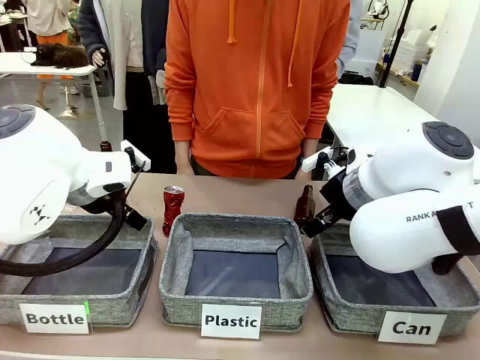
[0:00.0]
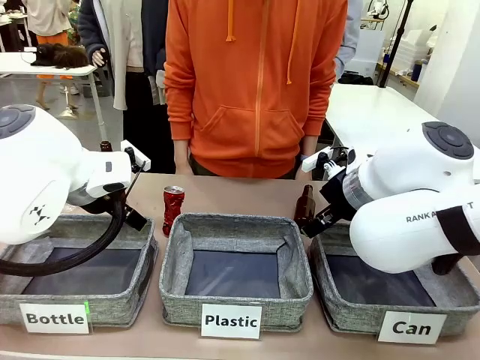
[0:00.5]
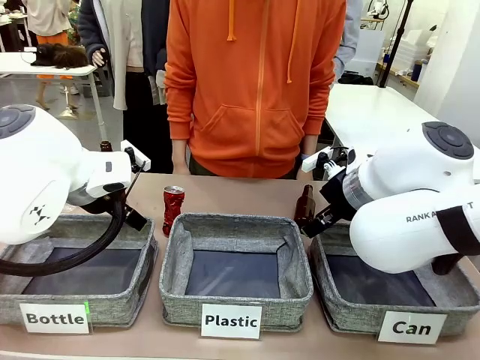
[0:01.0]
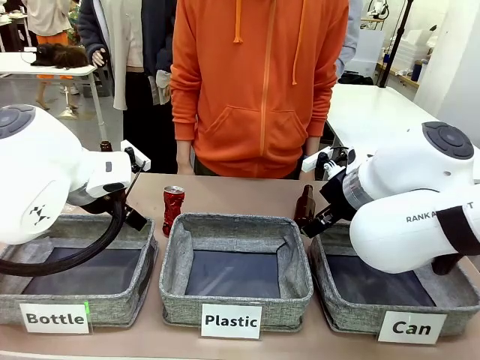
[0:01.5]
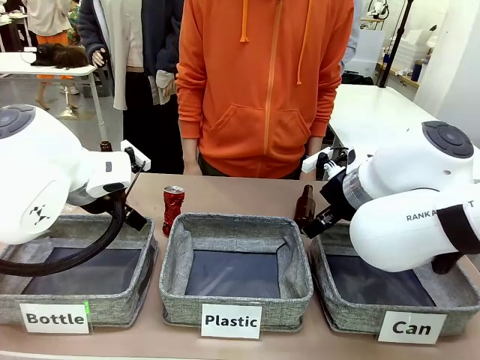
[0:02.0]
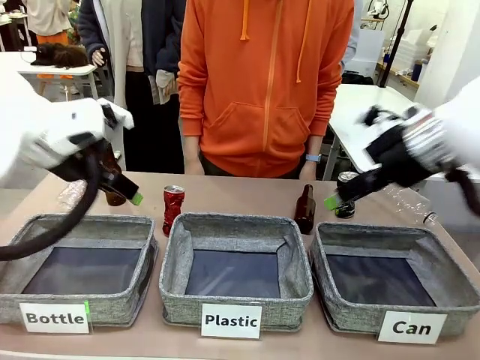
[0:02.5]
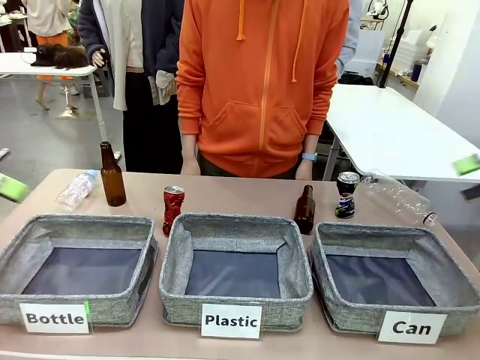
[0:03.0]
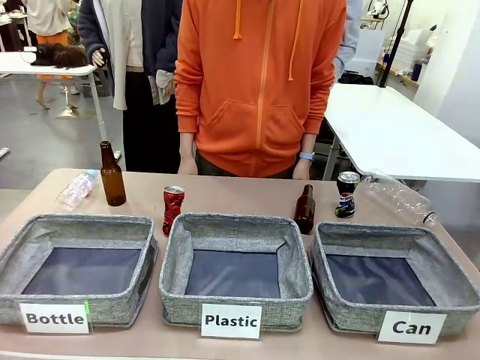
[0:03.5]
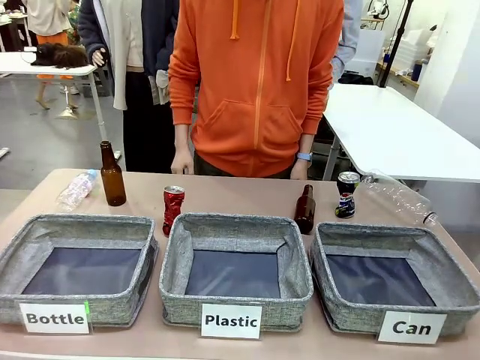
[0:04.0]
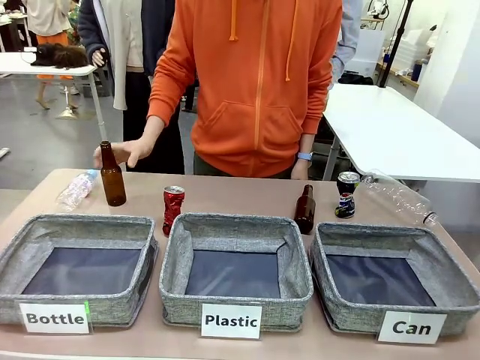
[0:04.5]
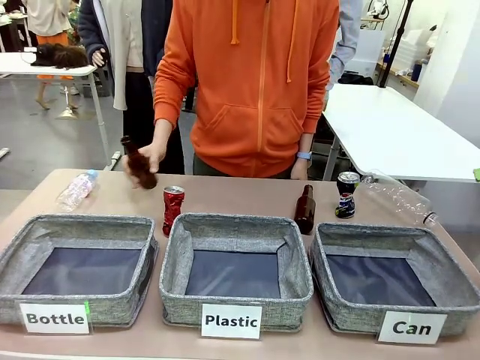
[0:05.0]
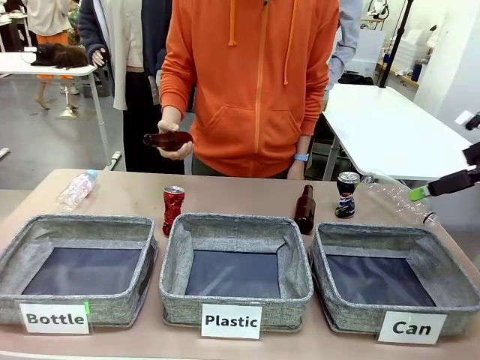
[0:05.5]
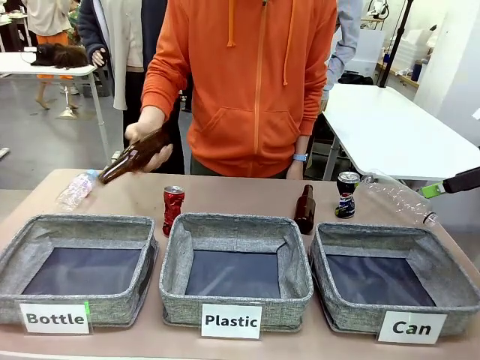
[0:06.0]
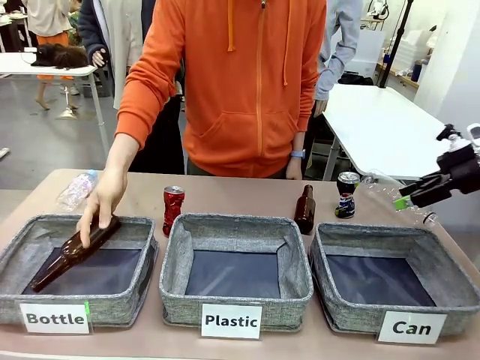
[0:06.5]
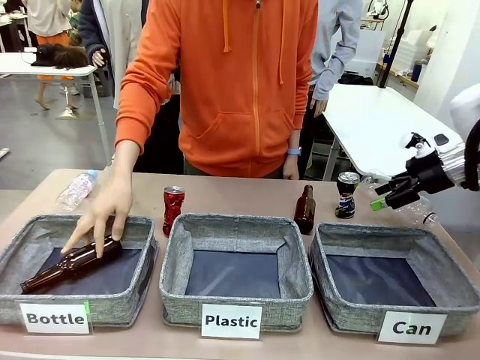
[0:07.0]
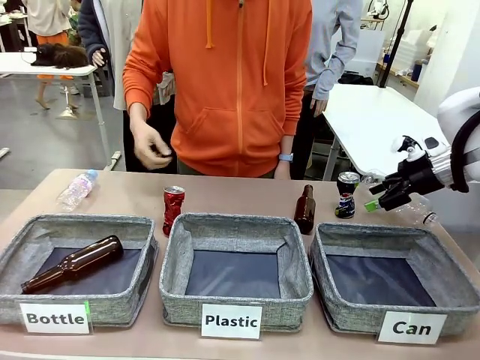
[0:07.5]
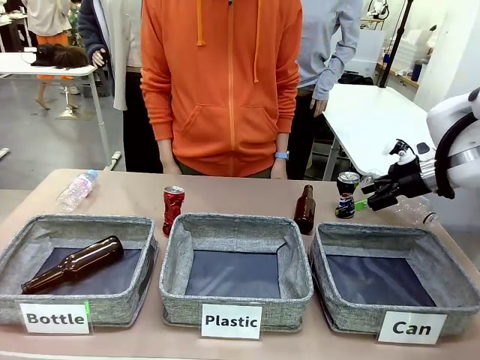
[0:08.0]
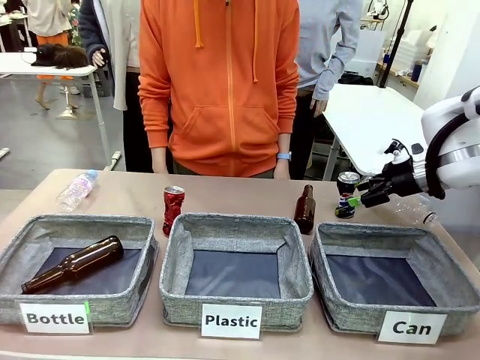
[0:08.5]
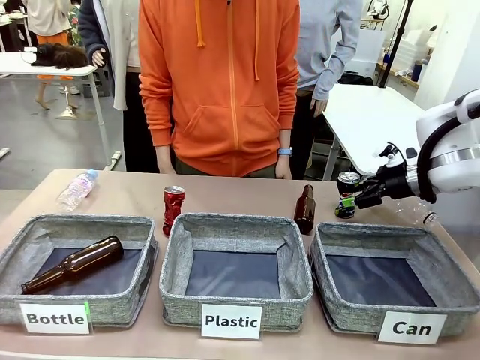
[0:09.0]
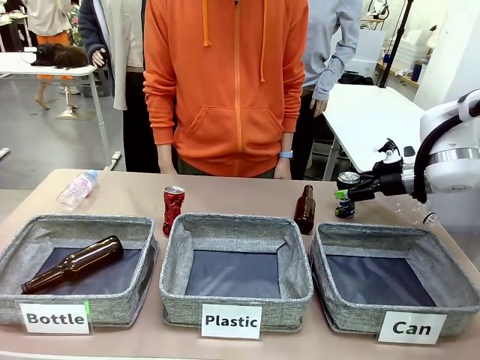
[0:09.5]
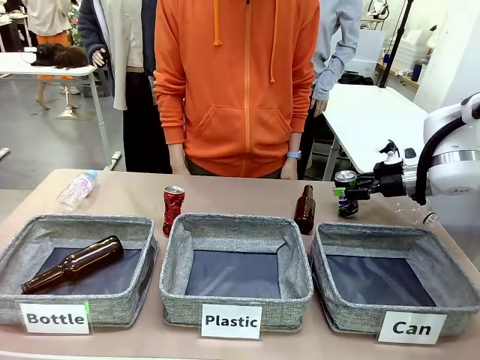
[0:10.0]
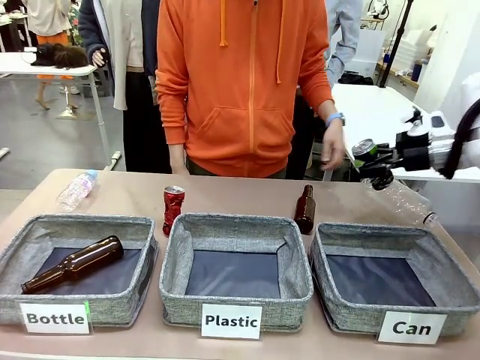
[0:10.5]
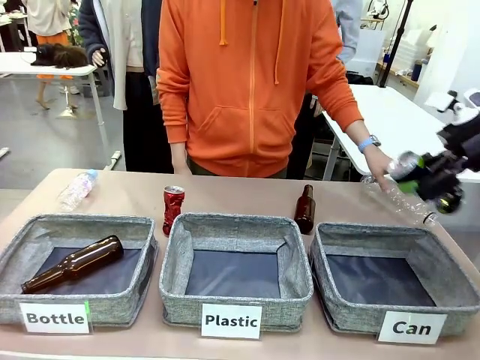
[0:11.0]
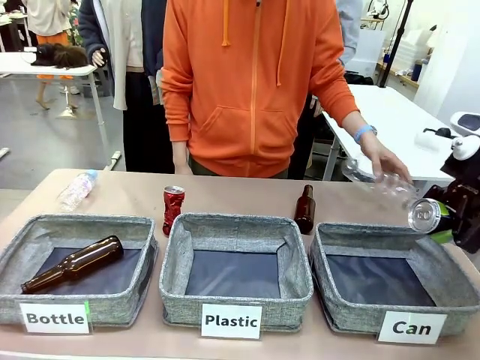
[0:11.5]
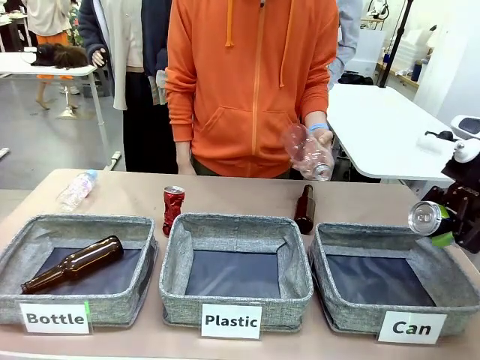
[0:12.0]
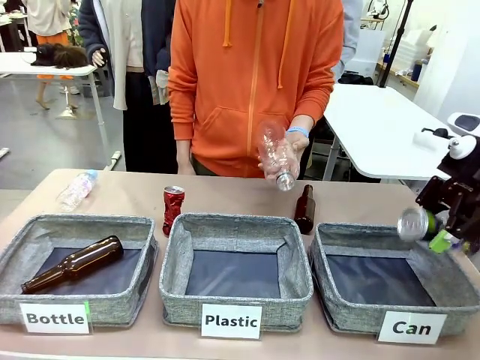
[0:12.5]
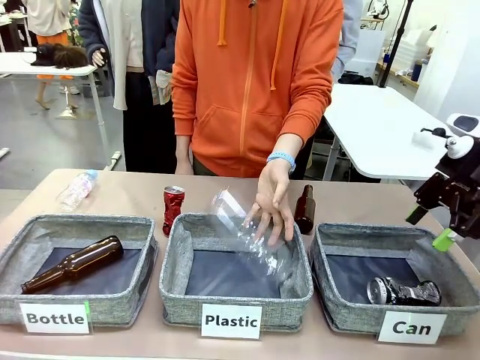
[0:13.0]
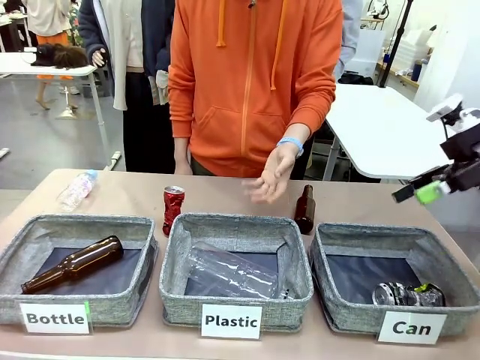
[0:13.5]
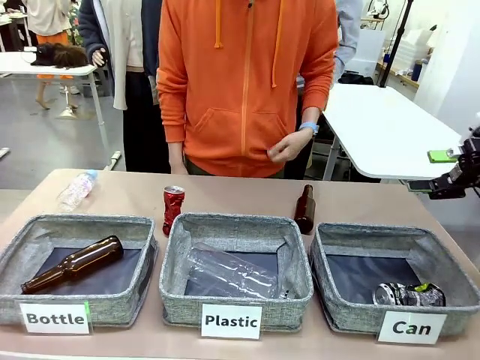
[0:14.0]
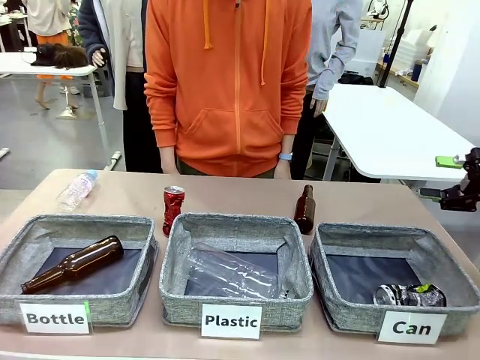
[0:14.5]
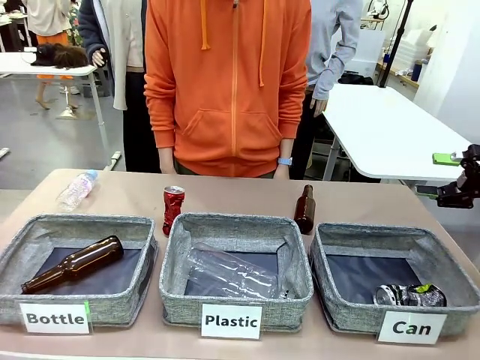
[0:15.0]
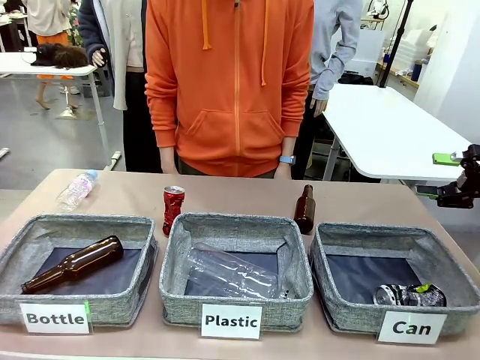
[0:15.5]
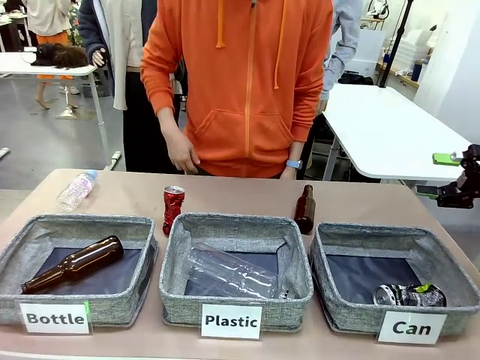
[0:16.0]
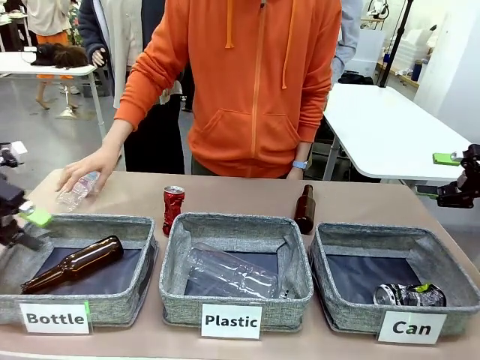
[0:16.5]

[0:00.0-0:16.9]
Task: Sort the can waste into the basket.
Robot: Pick up the can waste from the table and place it in the right Fabric basket.

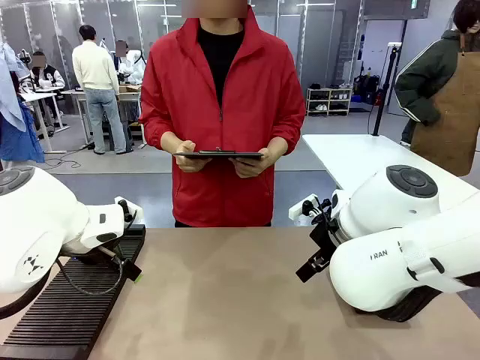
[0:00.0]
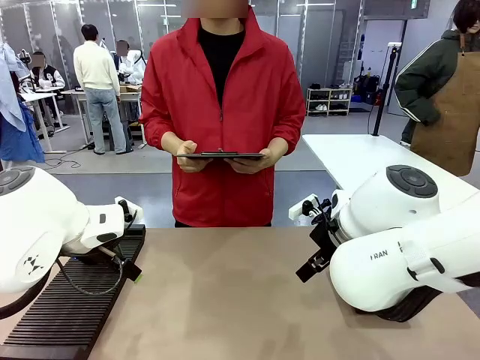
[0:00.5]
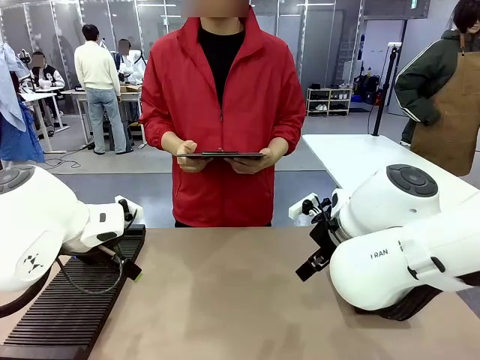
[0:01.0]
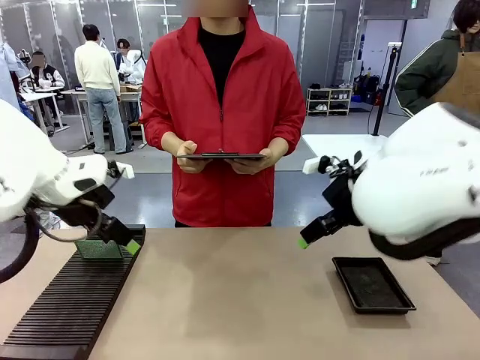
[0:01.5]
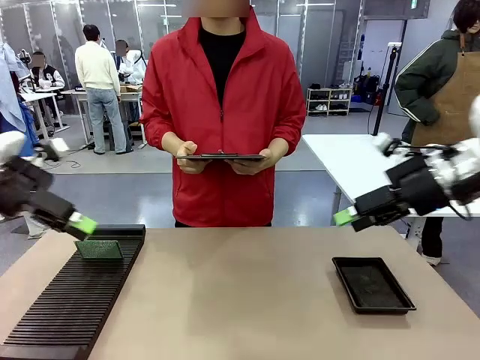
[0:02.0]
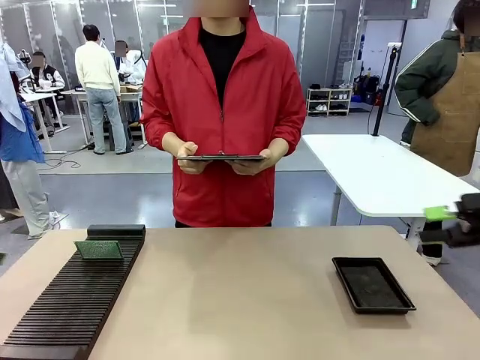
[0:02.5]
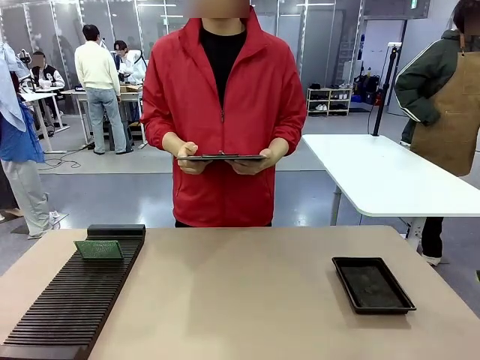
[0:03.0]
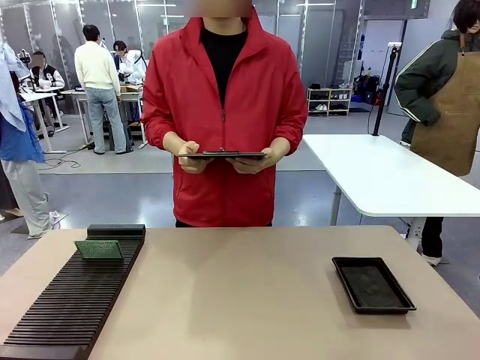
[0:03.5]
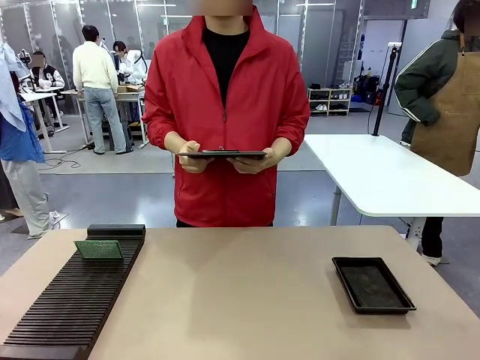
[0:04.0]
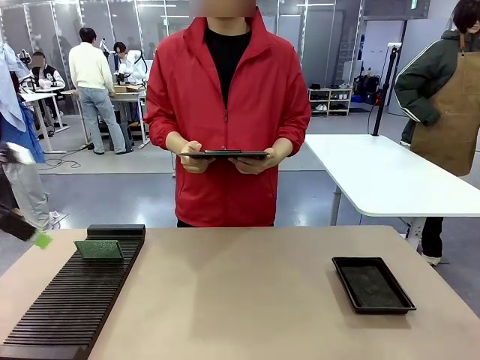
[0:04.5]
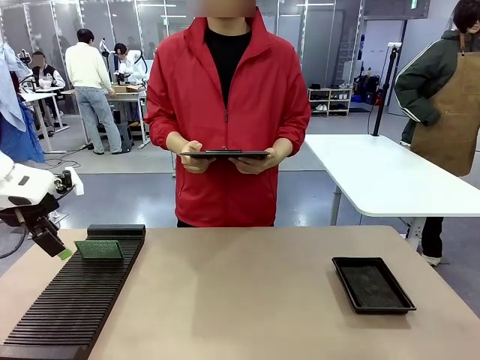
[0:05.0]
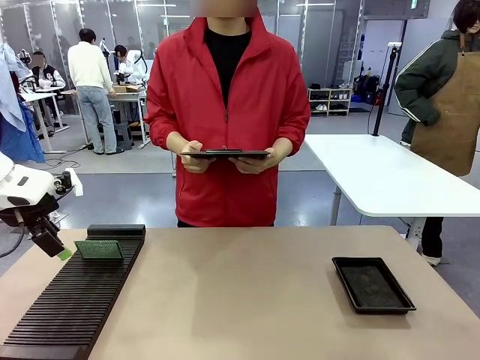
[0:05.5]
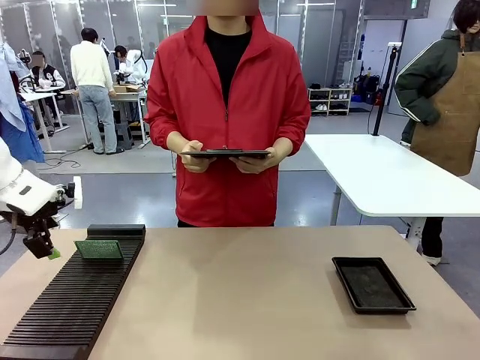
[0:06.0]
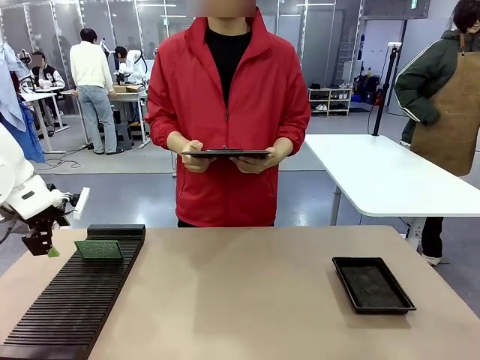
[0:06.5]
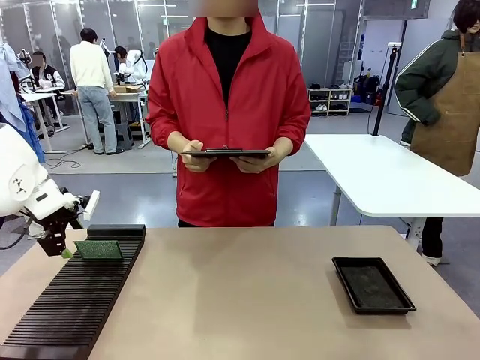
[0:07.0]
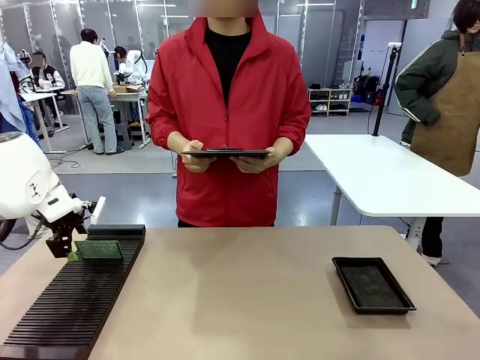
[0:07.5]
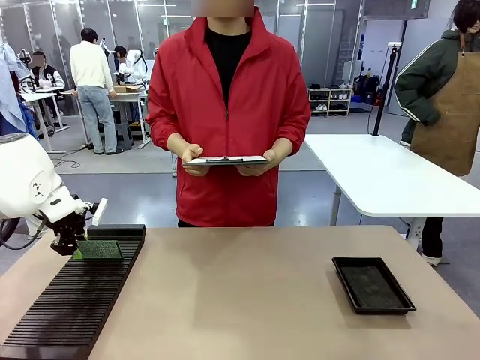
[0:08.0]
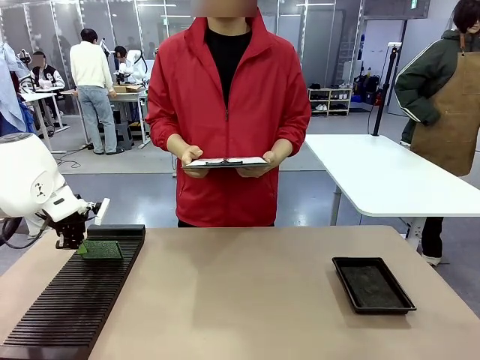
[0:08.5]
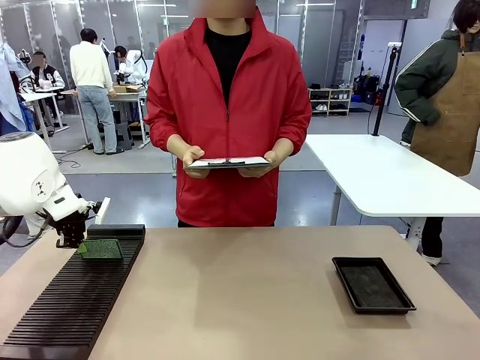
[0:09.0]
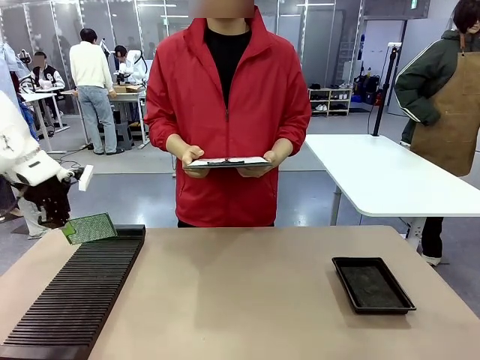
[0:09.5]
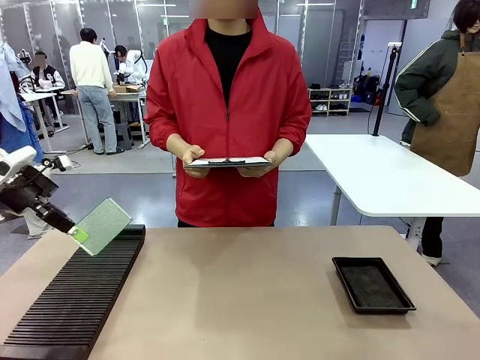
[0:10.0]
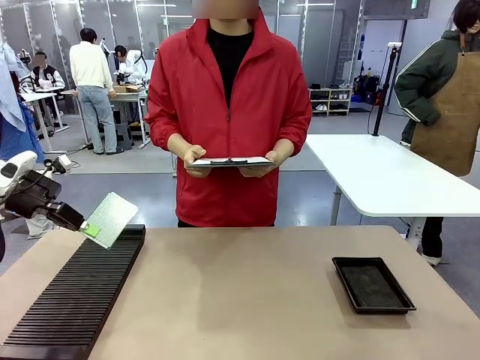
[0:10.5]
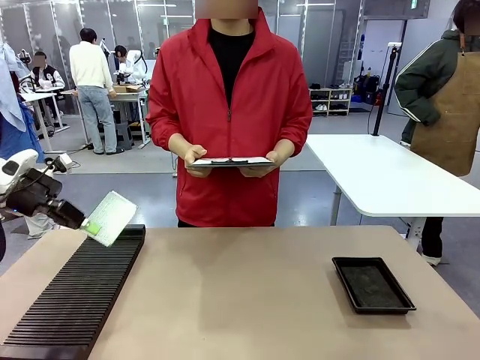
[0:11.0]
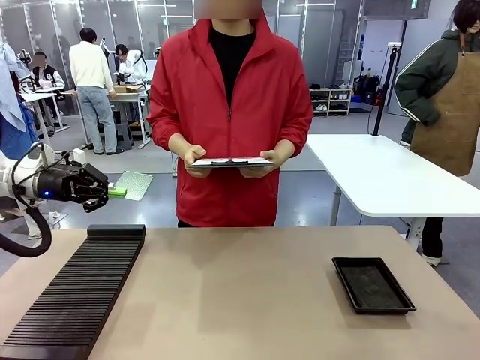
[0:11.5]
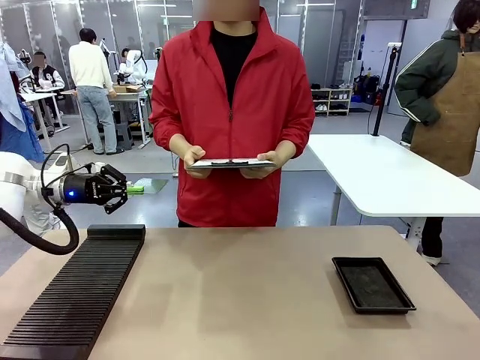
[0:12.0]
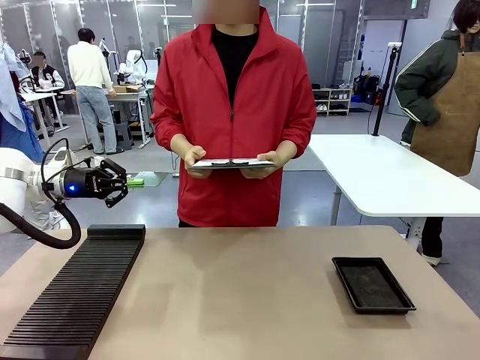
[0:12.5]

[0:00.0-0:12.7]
Task: Inspect the PCB.
Robot: Pick up the Blank PCB and present it to the human.
Person: Pick up the PCB presented by the robot.
